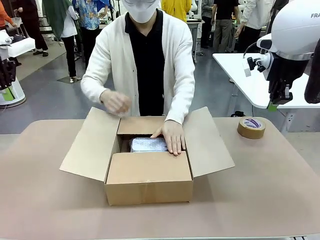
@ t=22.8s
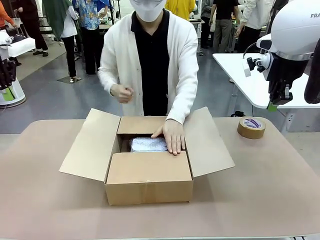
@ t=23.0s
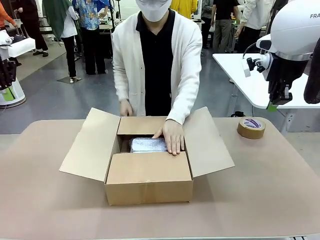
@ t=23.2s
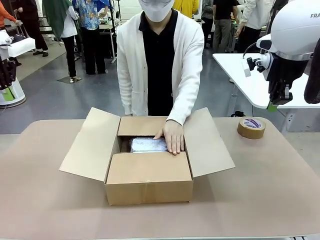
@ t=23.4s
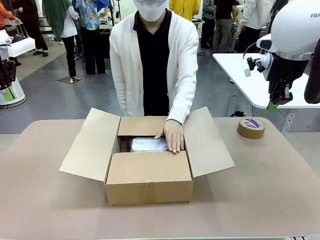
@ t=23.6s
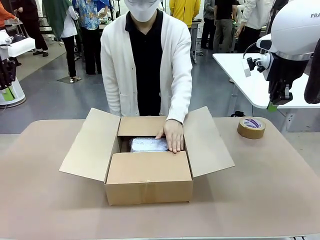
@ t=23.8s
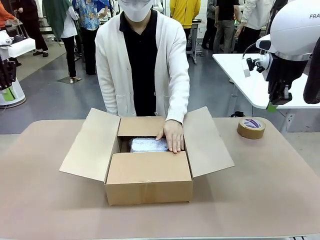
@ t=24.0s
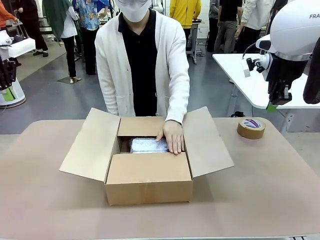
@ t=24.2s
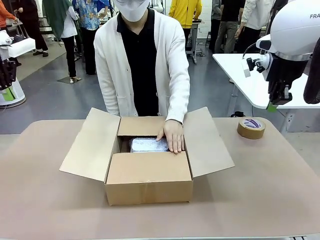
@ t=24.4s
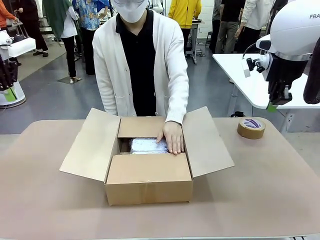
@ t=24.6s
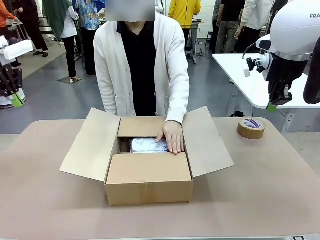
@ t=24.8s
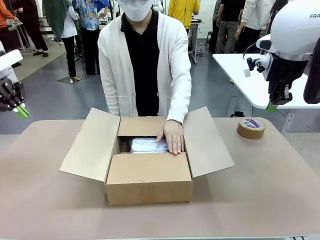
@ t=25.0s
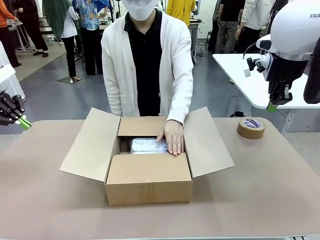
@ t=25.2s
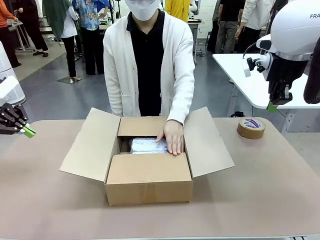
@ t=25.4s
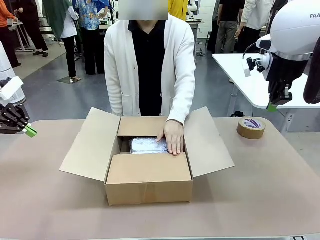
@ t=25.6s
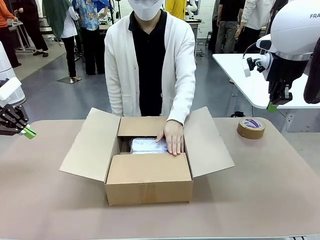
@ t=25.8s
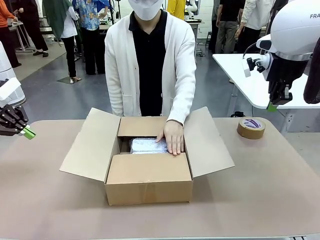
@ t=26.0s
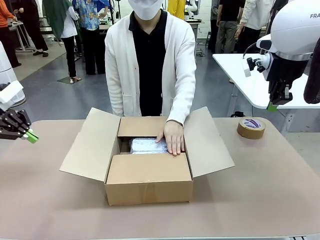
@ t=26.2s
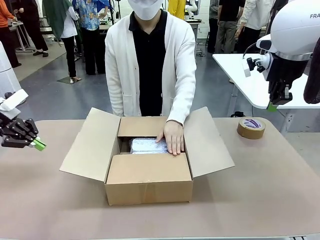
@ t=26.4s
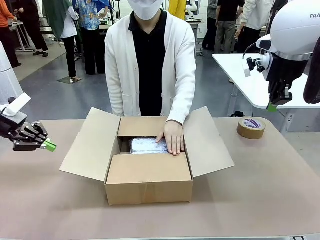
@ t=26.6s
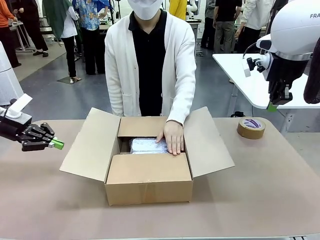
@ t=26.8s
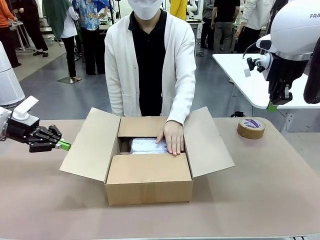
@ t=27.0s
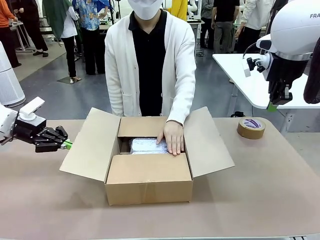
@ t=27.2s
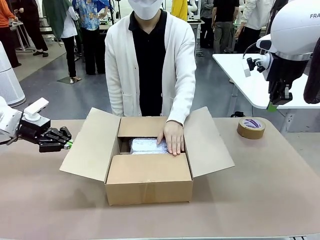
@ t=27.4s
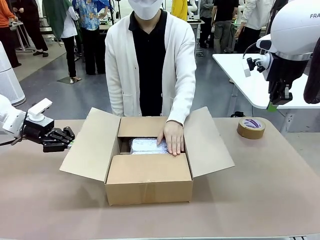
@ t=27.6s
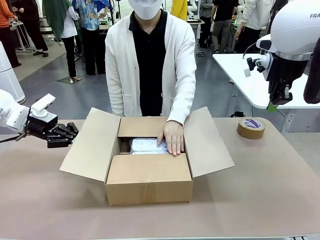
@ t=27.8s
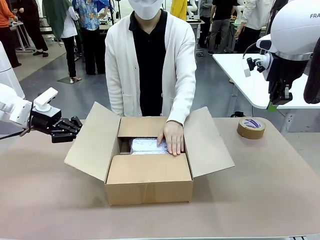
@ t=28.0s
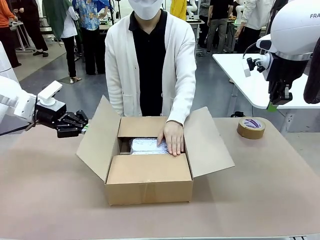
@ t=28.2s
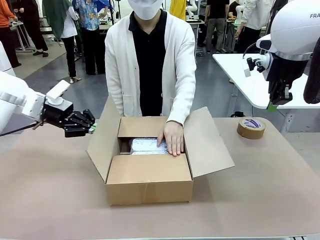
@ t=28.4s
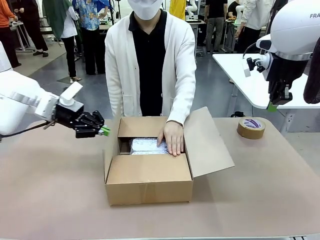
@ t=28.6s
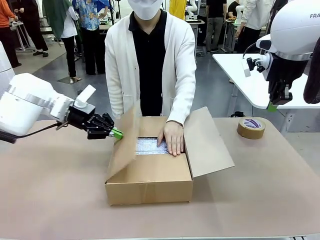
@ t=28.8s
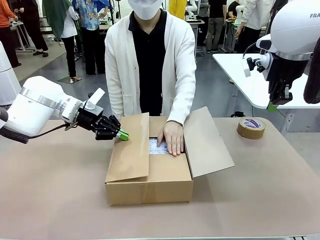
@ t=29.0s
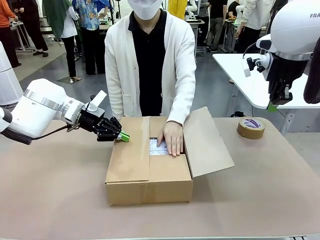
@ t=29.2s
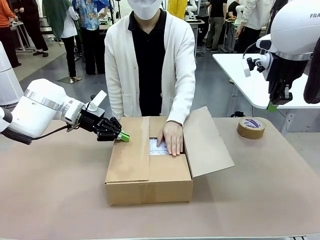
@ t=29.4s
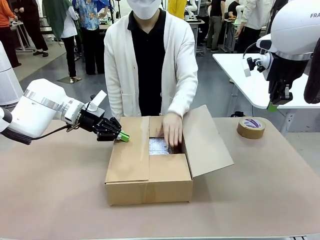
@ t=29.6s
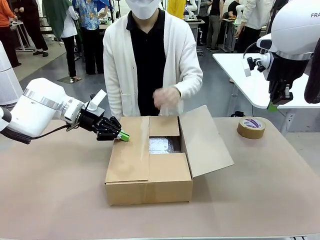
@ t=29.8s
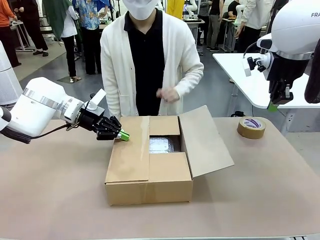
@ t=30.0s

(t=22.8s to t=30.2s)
Task: Wrap the clocks to prevent damage.
Robot: Push the right (or left) flap of the Package Box to close it.
Person: Once the robot closes the right flap of the Package Box , release your left hand from the box.

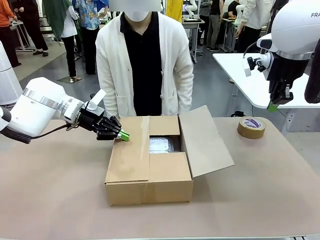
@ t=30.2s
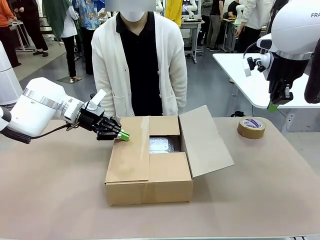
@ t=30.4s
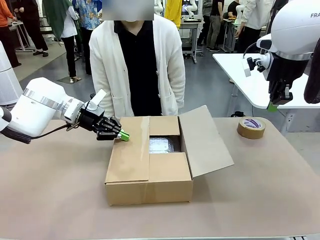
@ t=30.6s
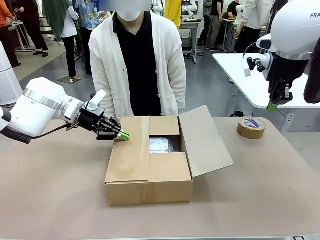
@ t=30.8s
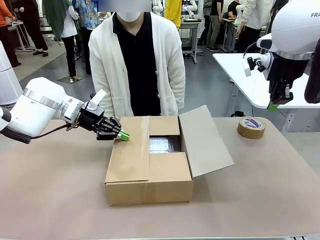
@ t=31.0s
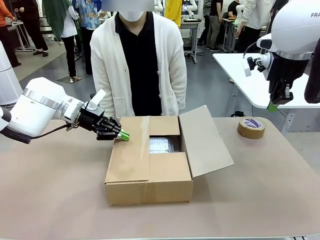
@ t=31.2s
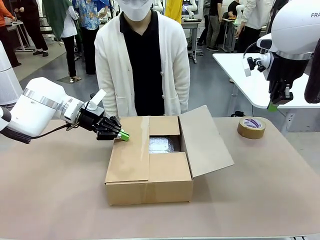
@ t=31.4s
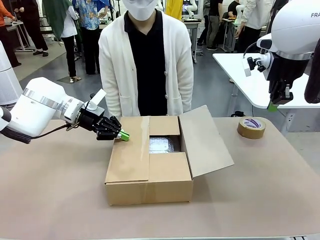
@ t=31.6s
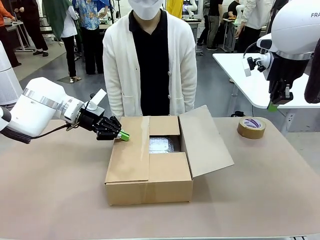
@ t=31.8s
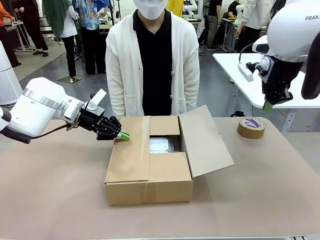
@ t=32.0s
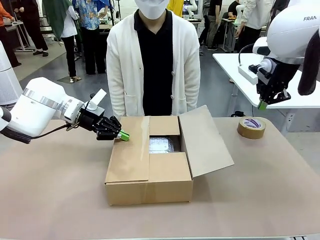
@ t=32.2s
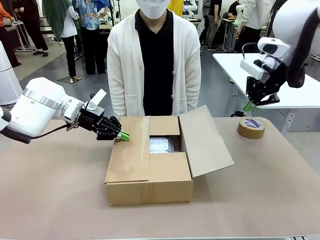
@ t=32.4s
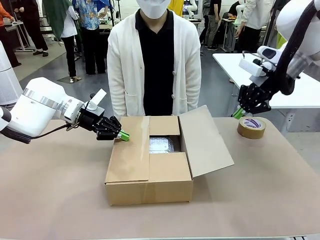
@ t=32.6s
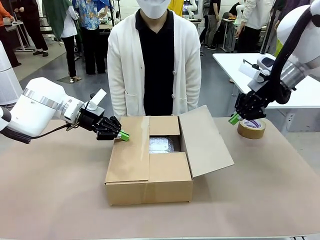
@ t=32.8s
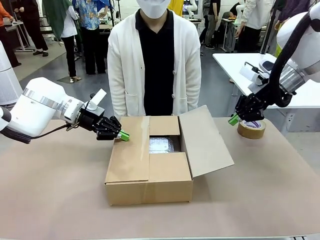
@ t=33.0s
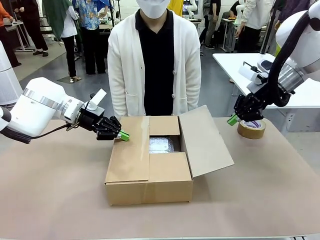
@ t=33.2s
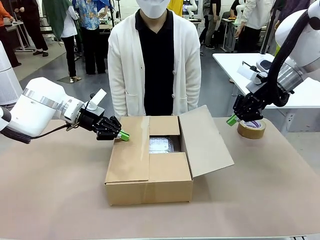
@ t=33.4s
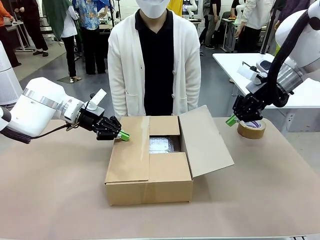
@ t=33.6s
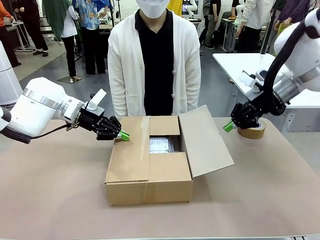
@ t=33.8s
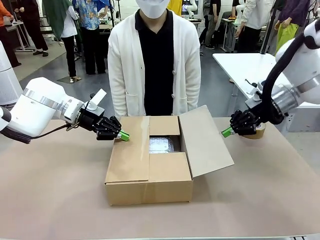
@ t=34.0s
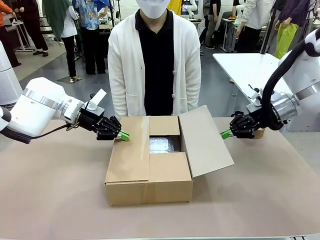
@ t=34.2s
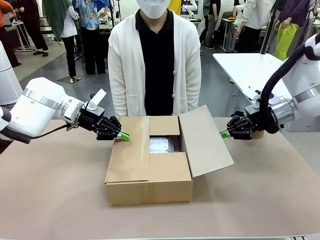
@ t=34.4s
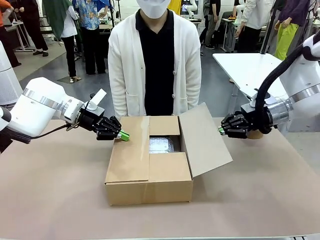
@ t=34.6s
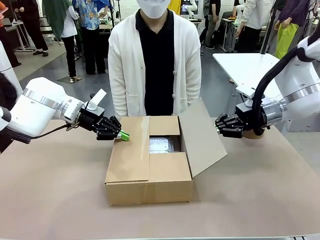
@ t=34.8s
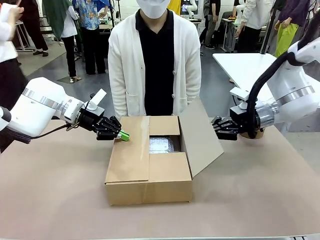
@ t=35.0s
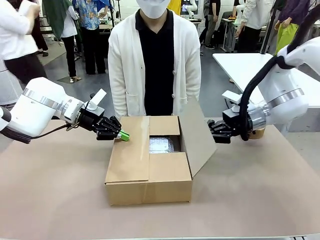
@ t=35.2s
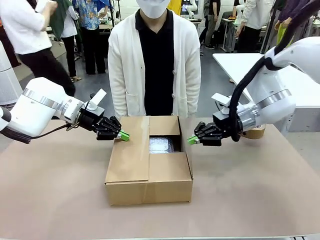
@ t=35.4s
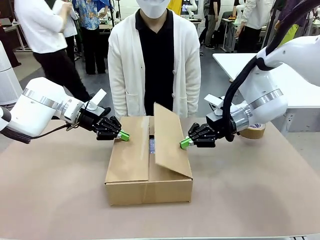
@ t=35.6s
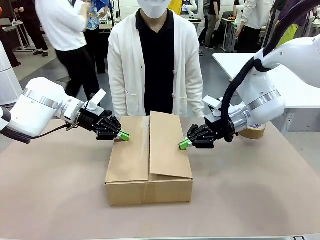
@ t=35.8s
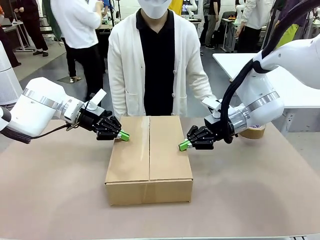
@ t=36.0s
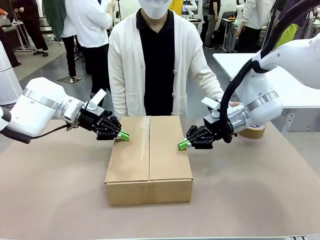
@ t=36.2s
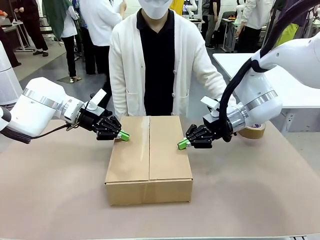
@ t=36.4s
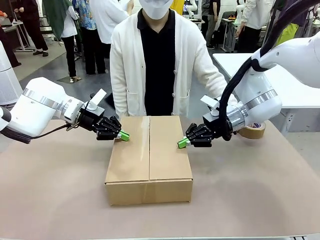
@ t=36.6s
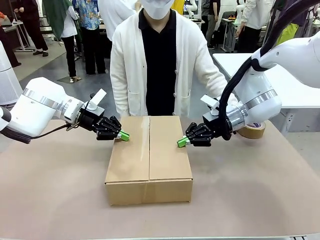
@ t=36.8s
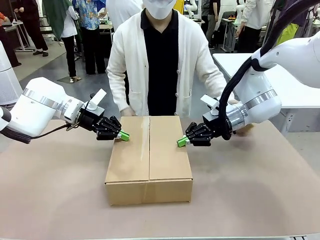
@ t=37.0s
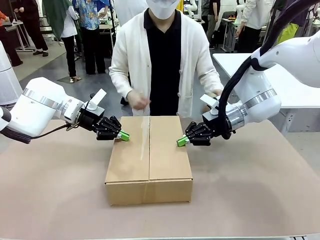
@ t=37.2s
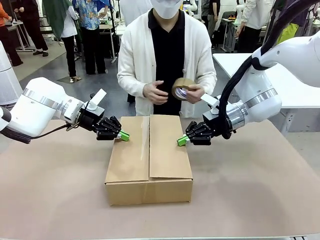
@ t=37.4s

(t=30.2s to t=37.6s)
Robot: Push the left (or right) flap of the Package Box to close it.

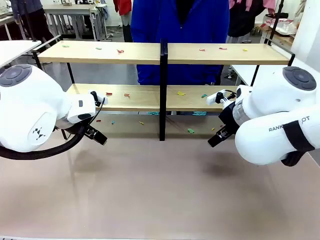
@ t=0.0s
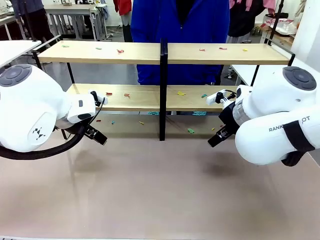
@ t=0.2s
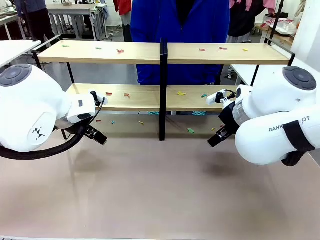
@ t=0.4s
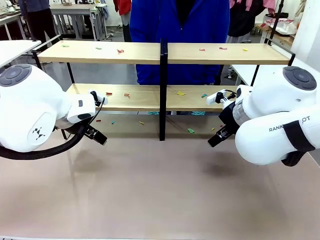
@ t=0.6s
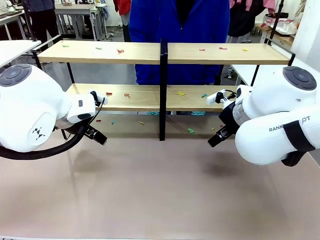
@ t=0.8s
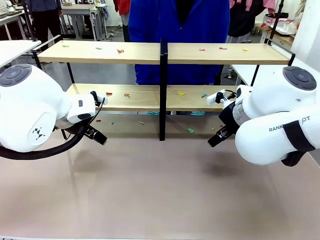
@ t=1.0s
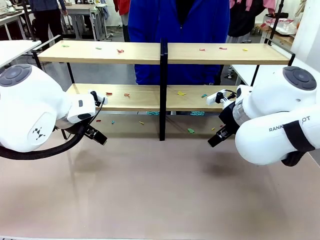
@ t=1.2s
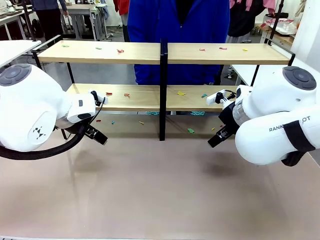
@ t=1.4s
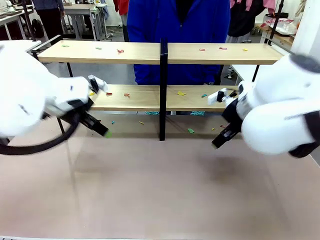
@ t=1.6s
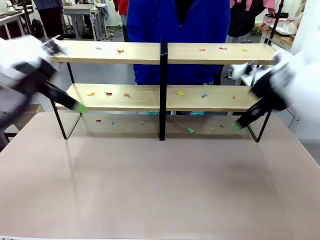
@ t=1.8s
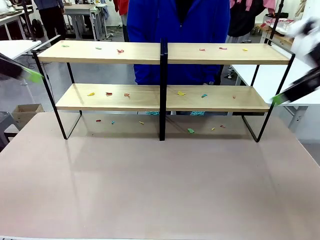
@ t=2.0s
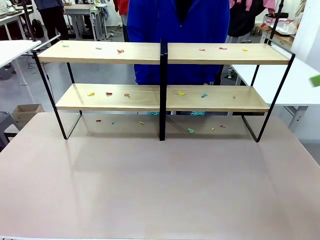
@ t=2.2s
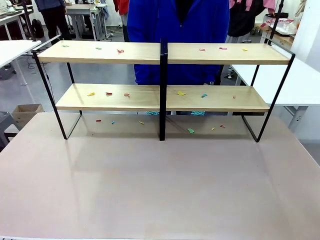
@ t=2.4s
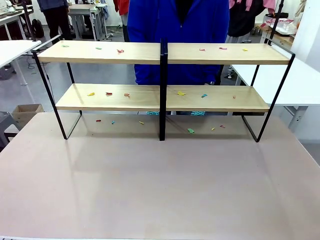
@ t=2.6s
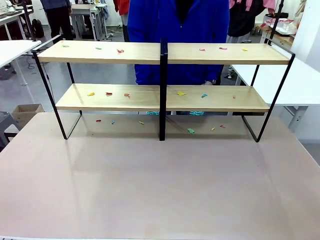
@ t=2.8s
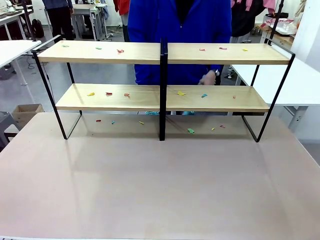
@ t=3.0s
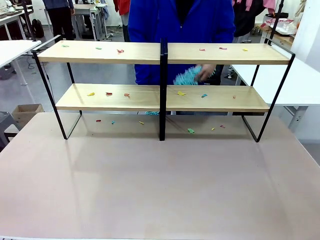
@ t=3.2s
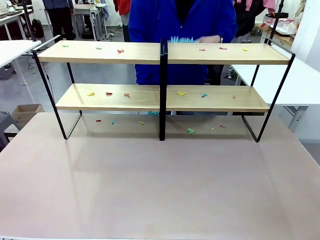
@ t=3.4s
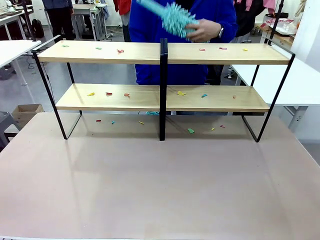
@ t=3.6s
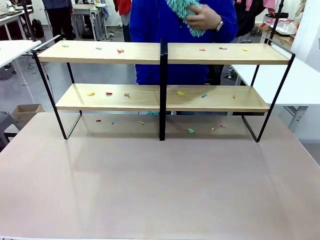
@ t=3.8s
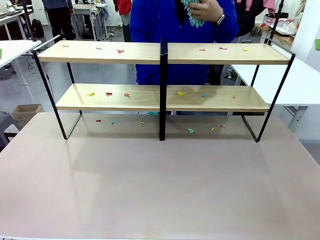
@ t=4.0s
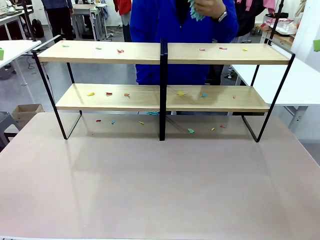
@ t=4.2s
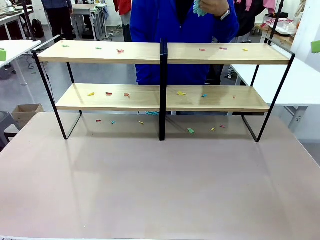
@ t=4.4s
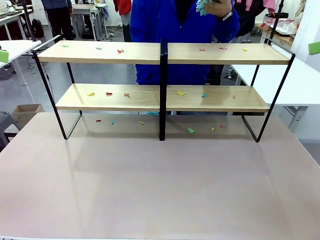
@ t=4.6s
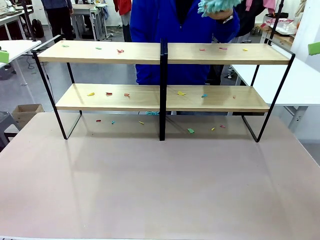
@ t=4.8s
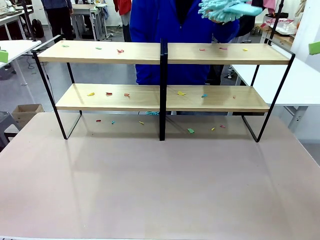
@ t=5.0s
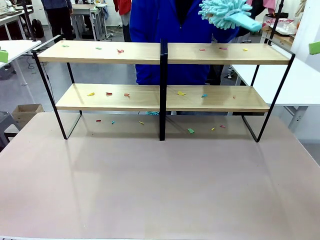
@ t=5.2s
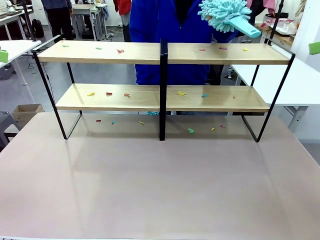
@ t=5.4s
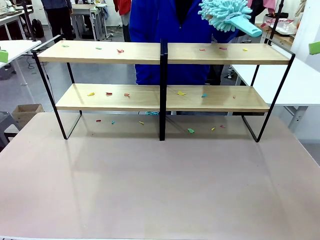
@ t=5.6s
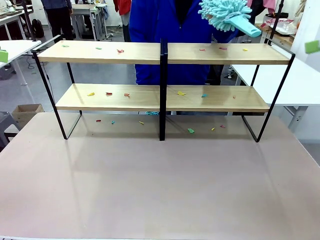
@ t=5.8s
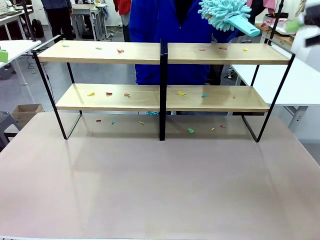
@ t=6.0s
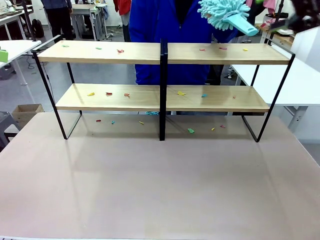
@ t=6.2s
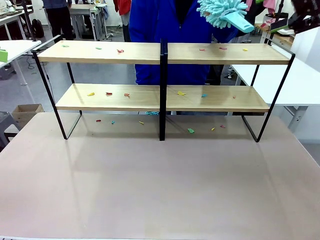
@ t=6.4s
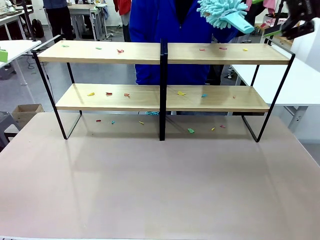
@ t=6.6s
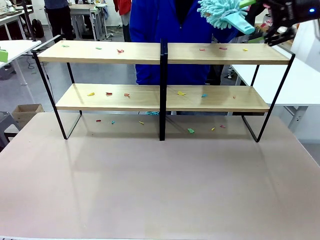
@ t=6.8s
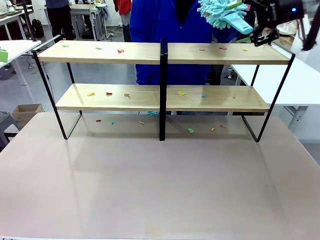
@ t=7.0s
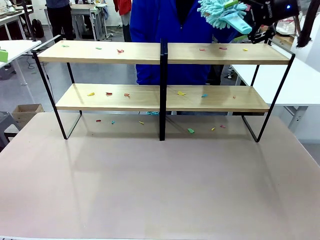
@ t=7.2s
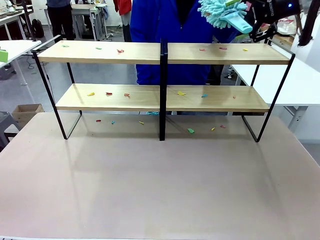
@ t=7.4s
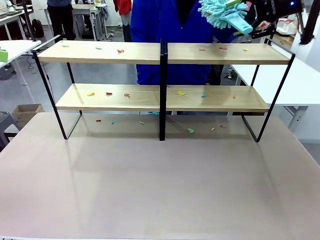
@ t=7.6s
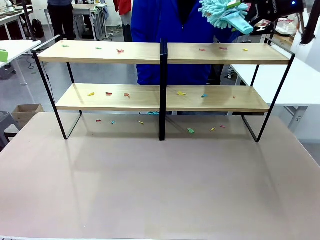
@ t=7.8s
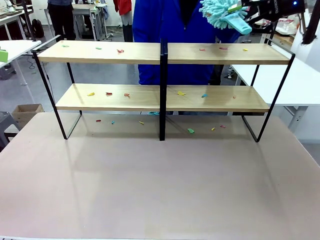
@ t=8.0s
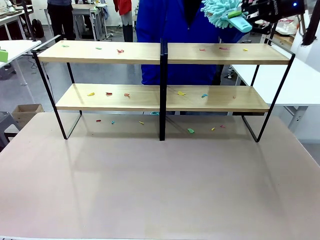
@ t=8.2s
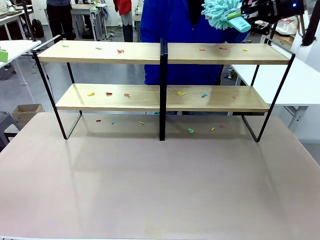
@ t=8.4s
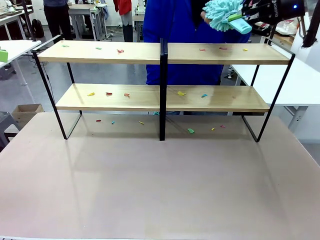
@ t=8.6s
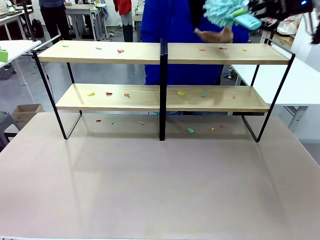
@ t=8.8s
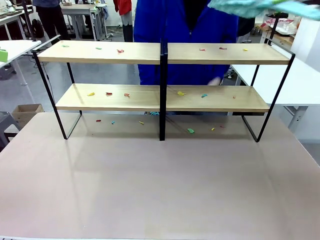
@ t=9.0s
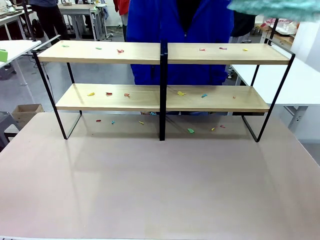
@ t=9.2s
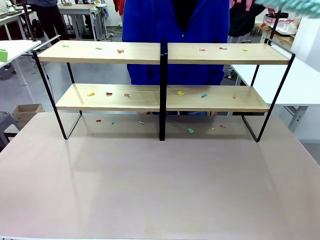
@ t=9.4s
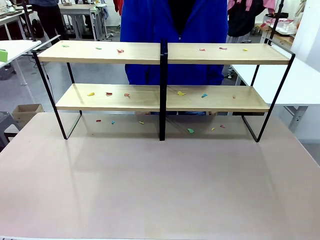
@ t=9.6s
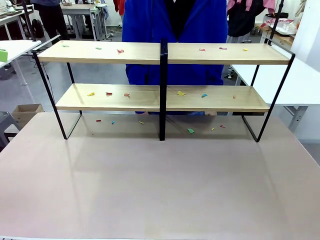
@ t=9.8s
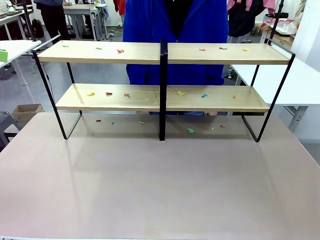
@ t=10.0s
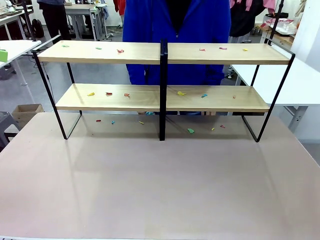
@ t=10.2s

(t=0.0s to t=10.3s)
Task: Clean the shelves.
Robot: Pick up the Duster when the human hands it over.
Person: Hand the Duster to the robot with your right (or left) hand.
